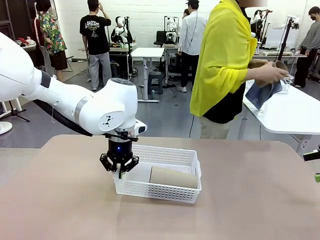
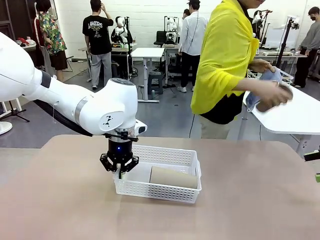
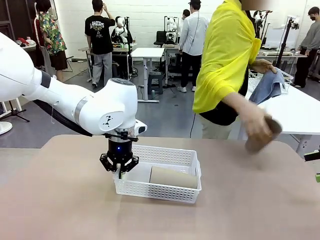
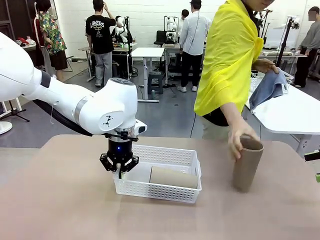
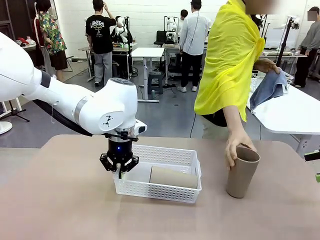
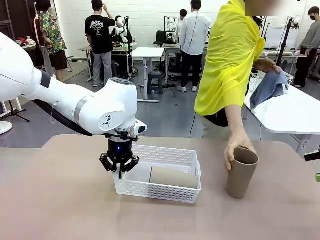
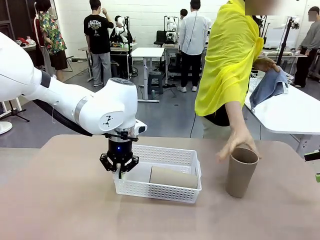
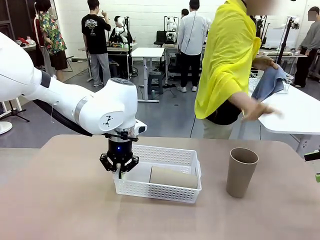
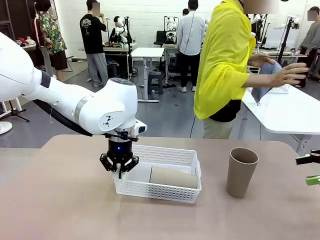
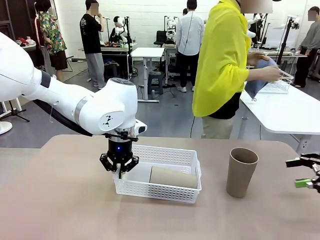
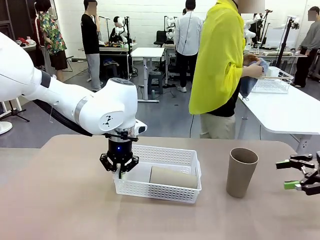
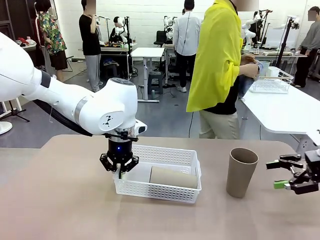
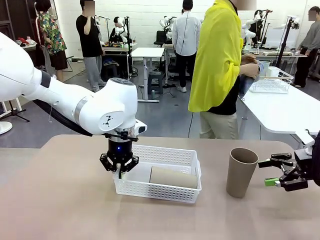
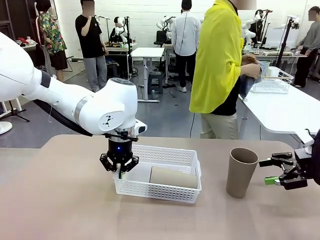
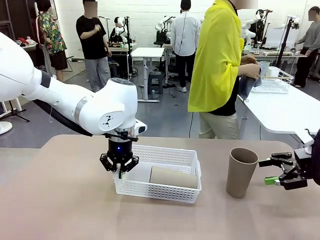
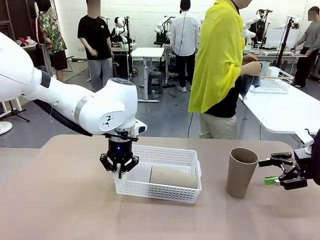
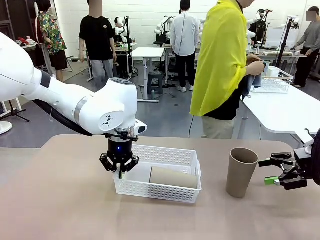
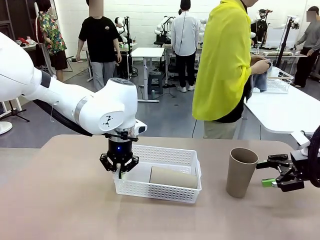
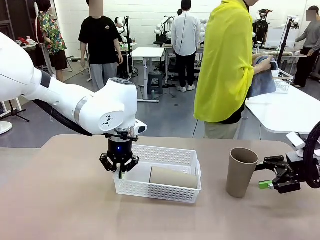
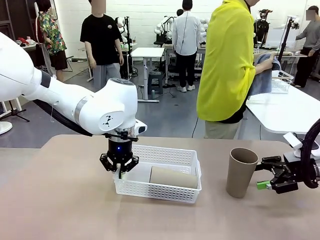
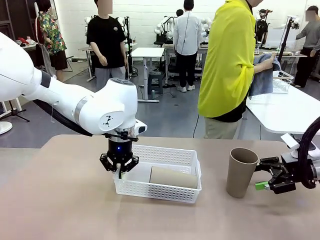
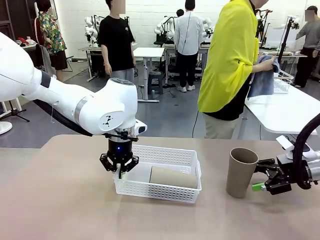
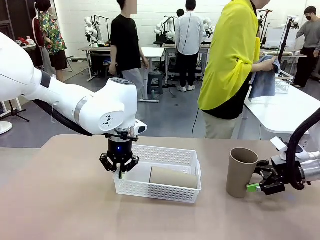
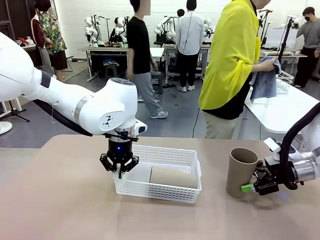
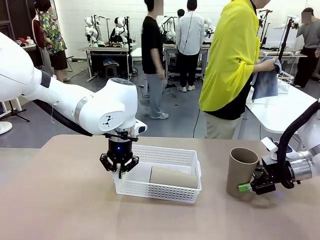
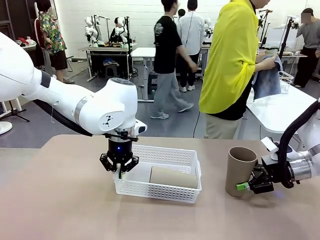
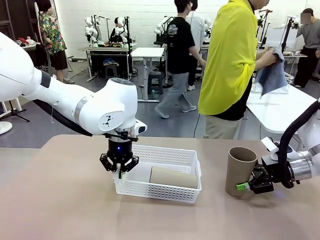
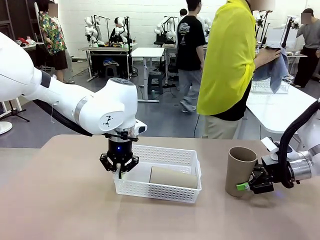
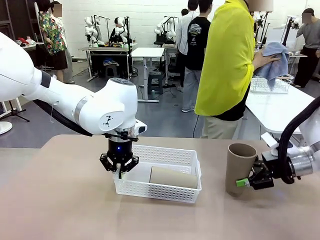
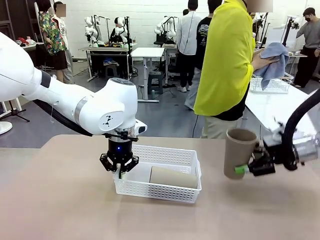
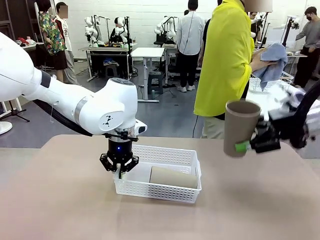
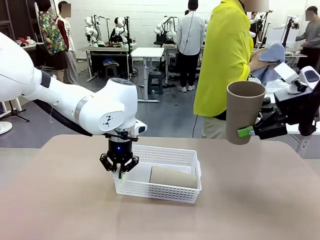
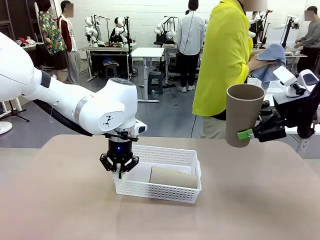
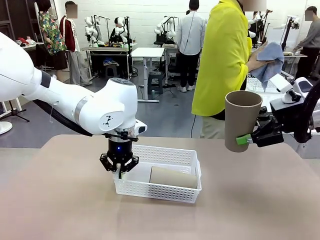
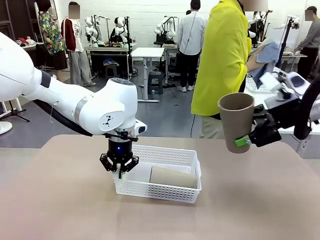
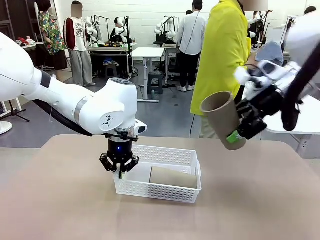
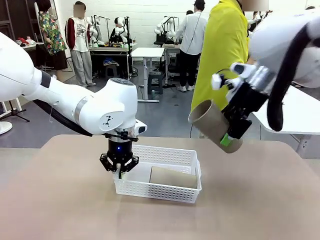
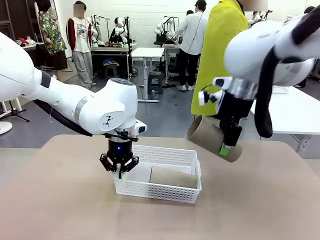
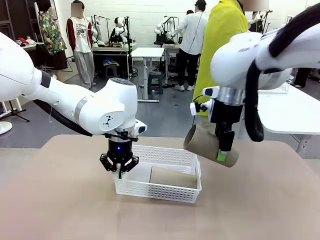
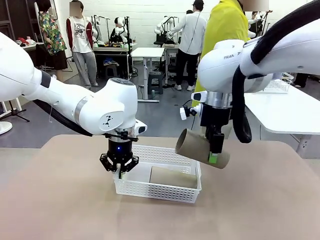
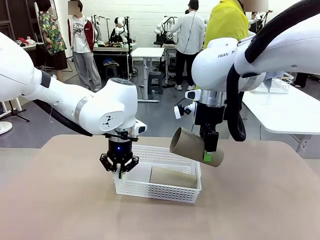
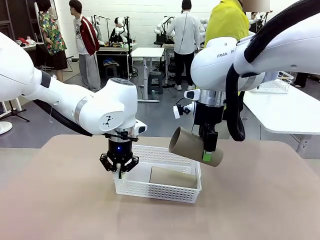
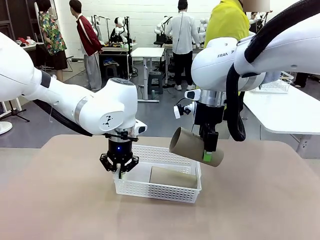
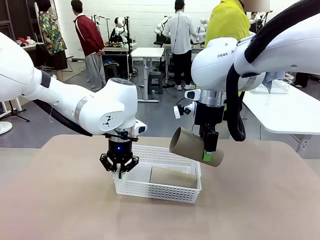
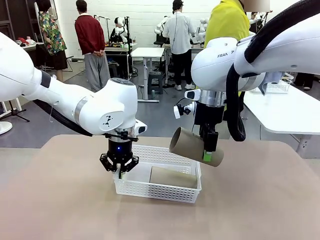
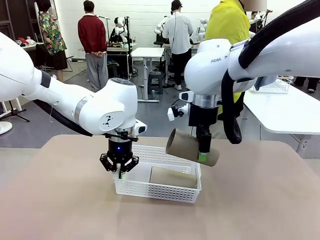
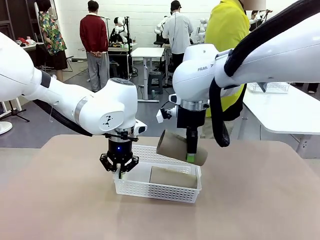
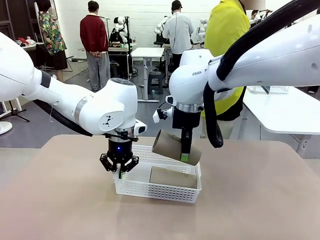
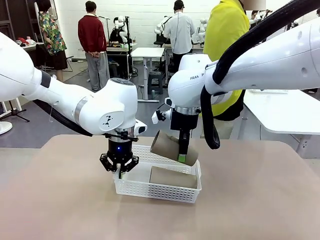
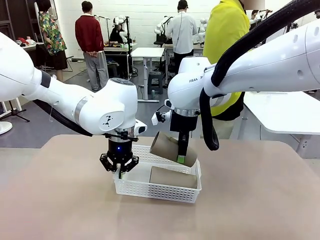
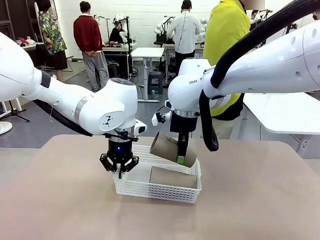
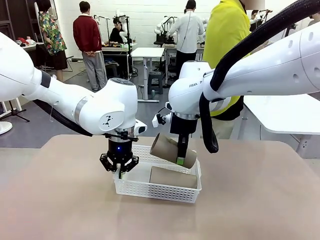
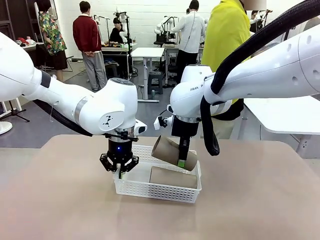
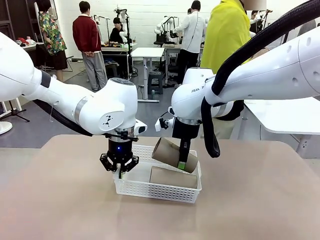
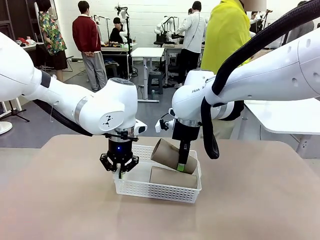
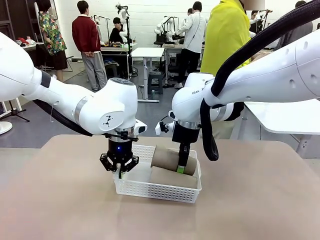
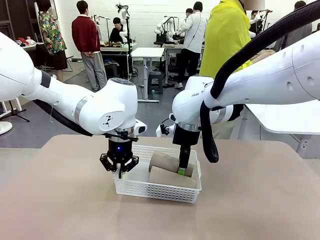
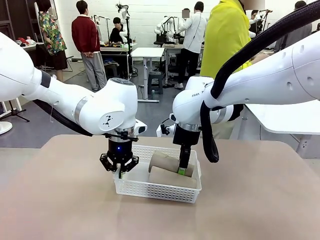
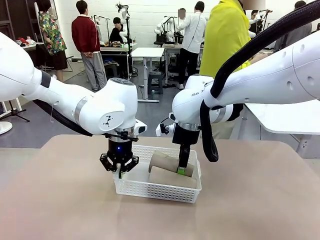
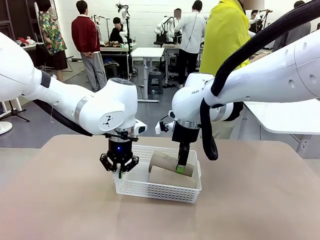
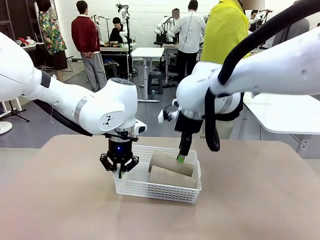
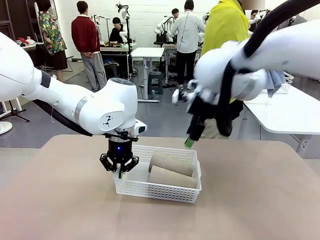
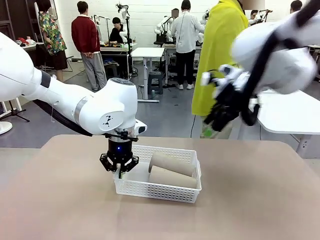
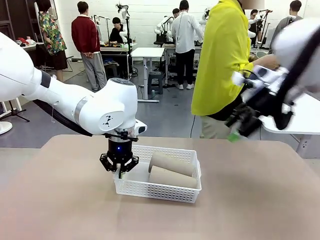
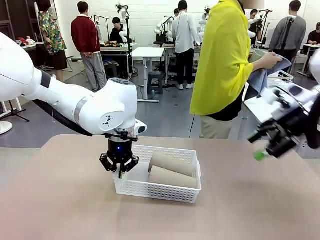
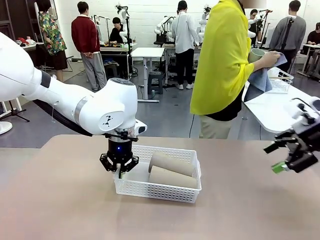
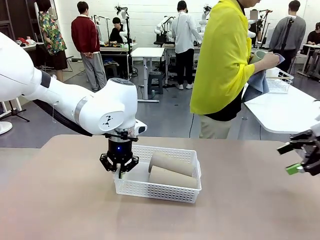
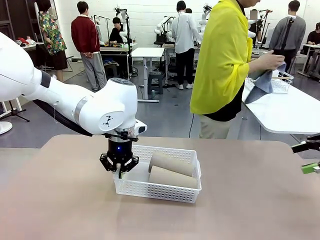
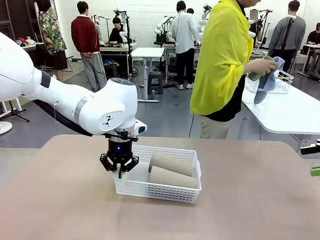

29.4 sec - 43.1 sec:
Task: Clean and organize the cups into the basket.
Robot: Pick up the Reusable plastic cup from the right side of the table and stack it inside the Organizing basket in the center of the table.

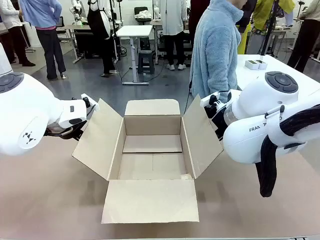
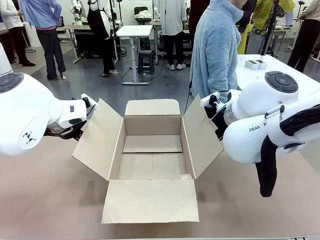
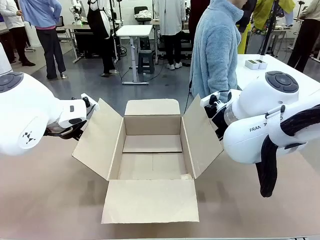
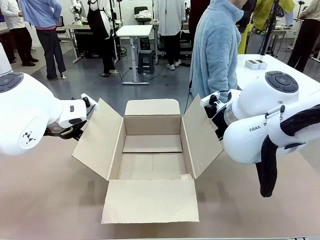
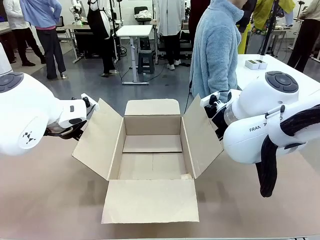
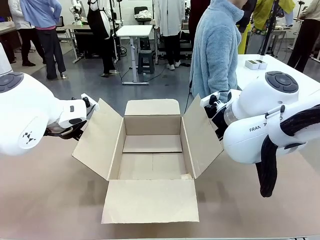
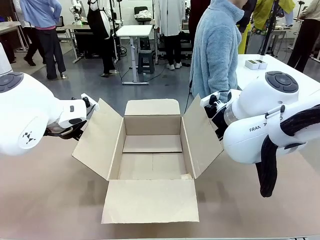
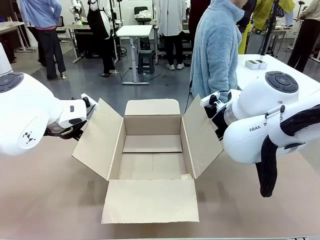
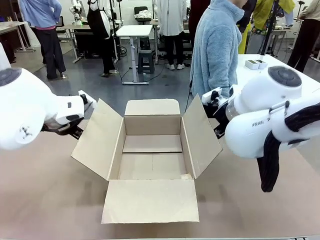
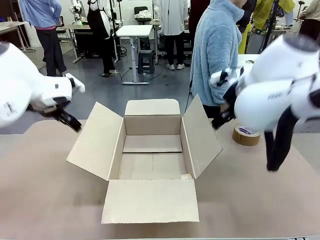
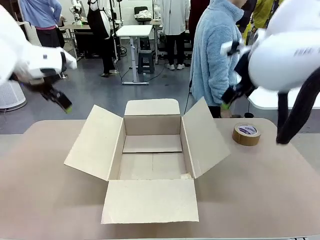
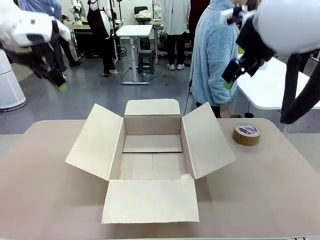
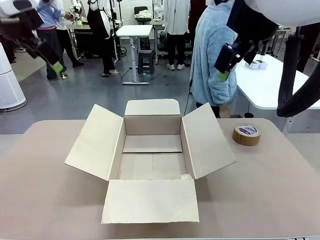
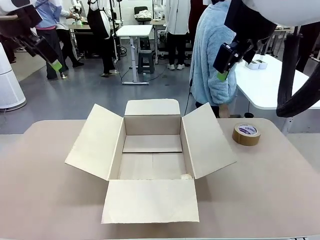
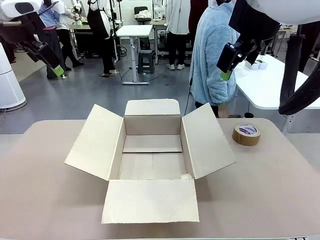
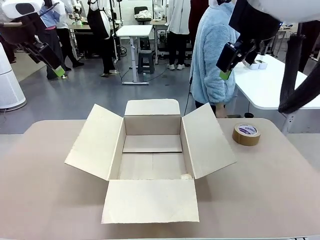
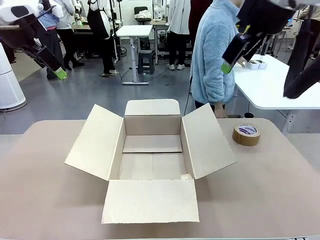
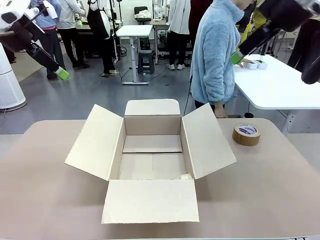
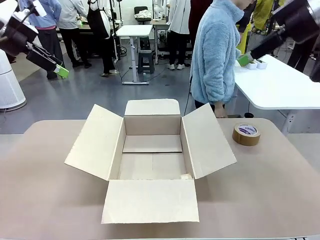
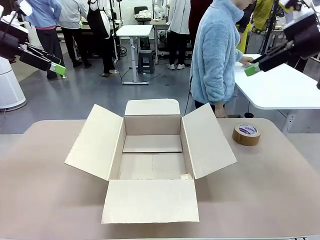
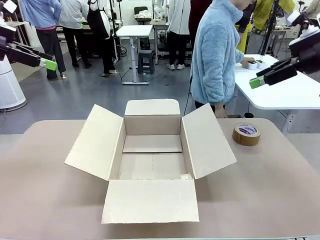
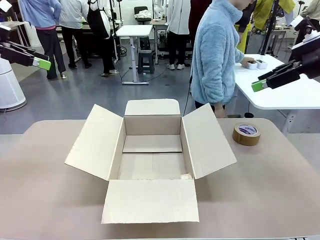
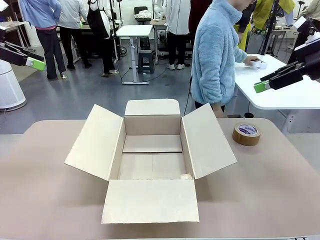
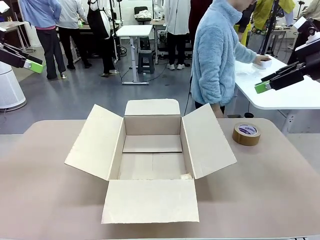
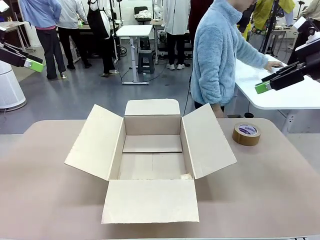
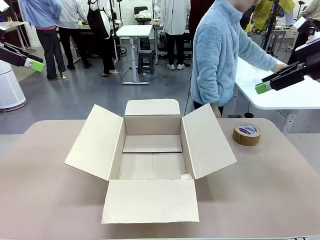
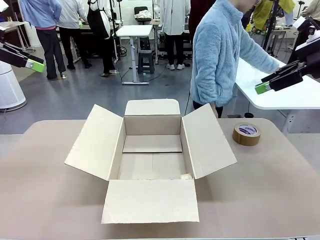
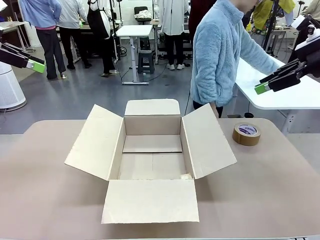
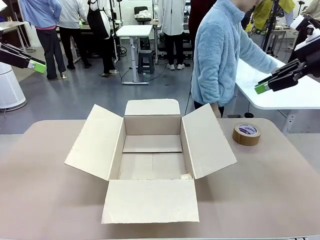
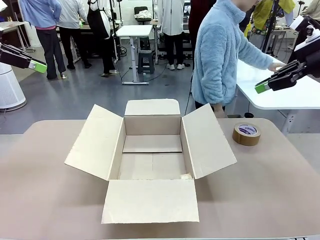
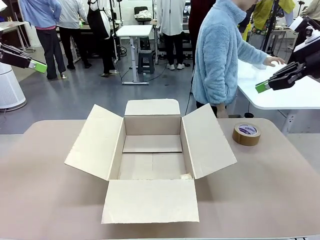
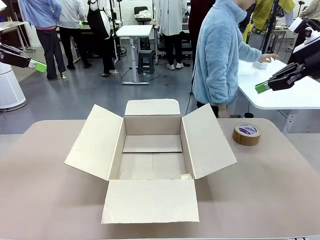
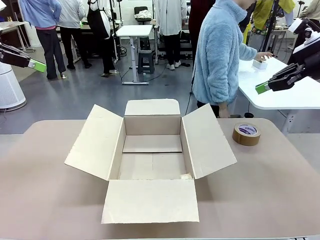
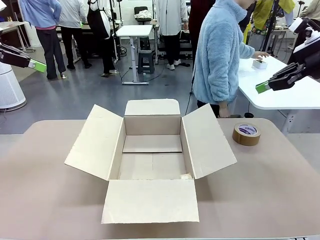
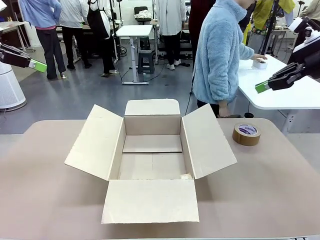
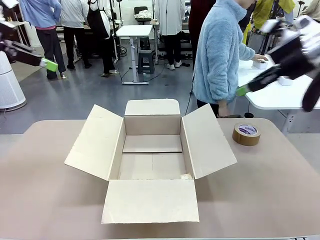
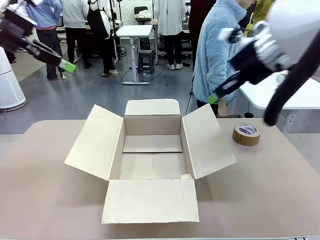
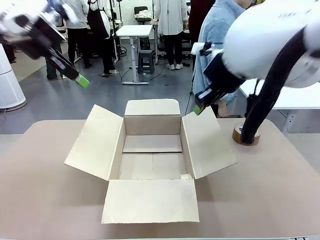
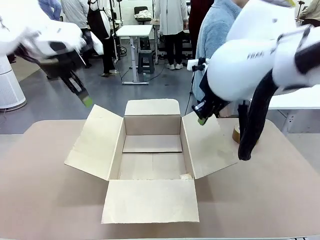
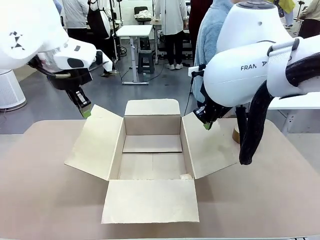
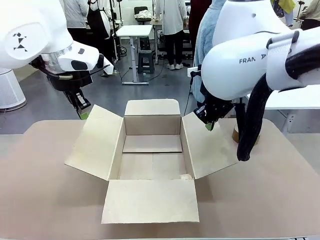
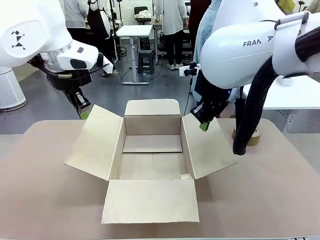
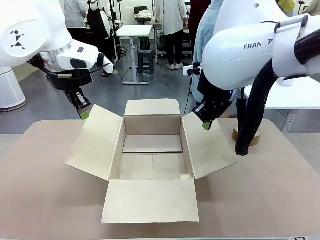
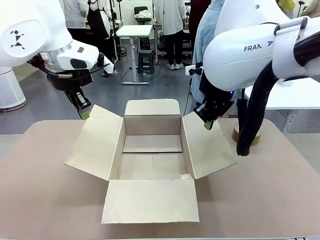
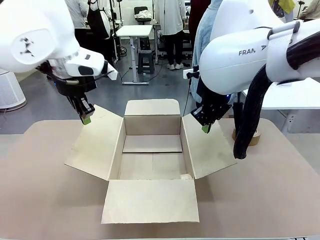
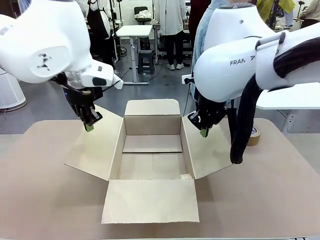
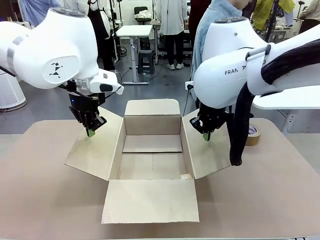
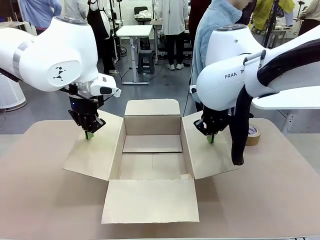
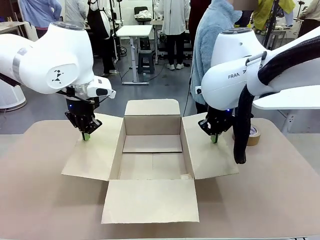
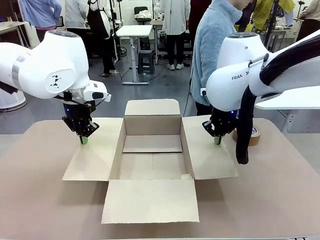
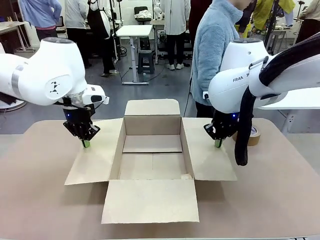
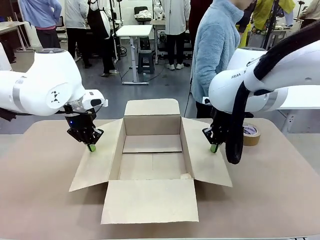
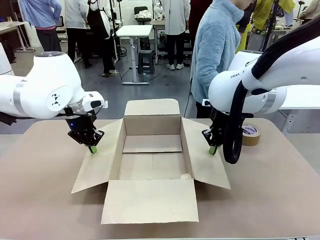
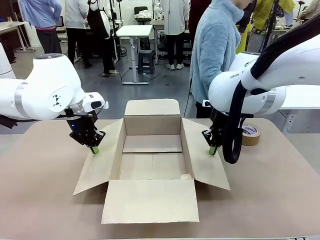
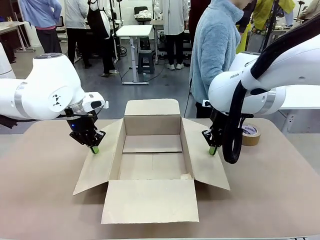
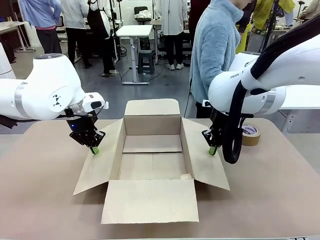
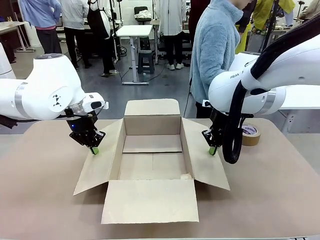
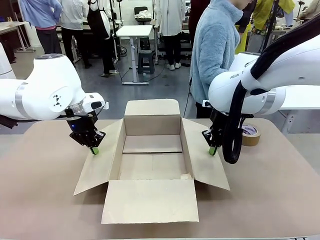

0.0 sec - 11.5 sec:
Task: Wrap the clocks to prevent damage.
Robot: Open the side flaps of the Package Box.
